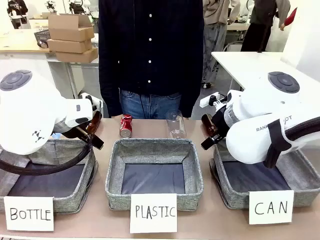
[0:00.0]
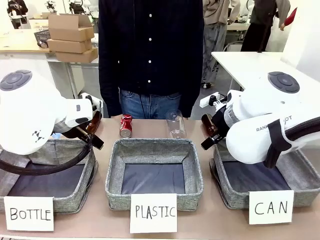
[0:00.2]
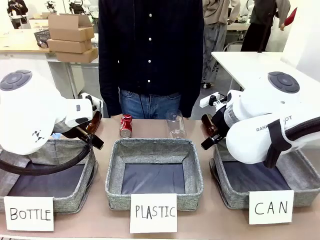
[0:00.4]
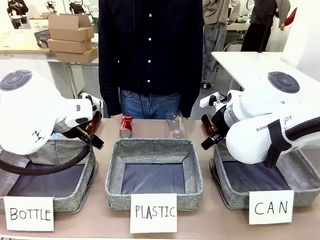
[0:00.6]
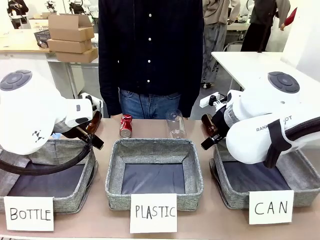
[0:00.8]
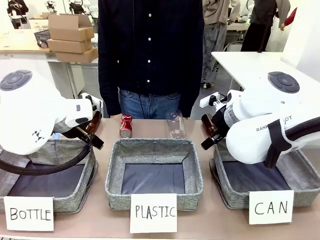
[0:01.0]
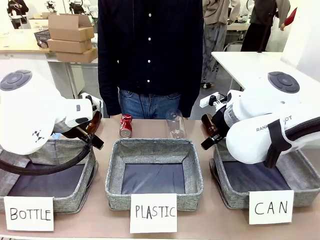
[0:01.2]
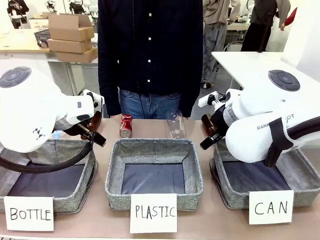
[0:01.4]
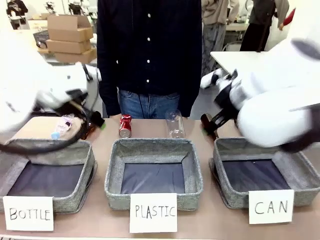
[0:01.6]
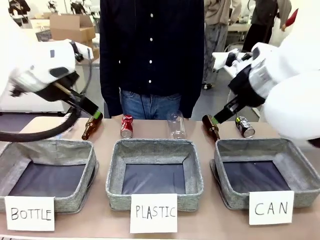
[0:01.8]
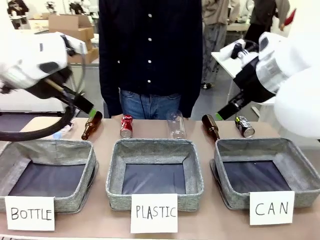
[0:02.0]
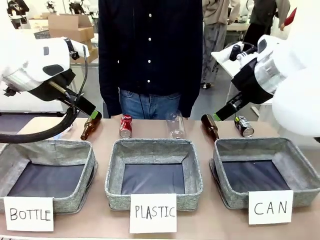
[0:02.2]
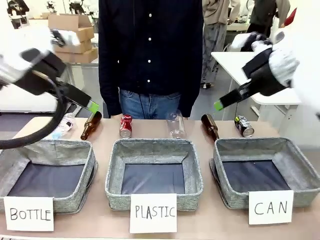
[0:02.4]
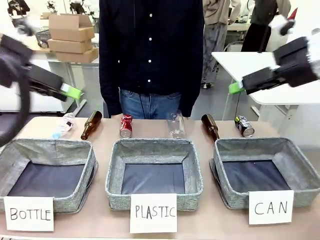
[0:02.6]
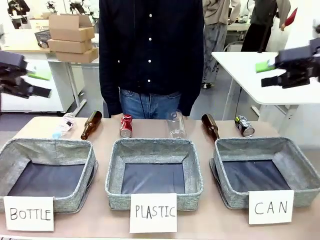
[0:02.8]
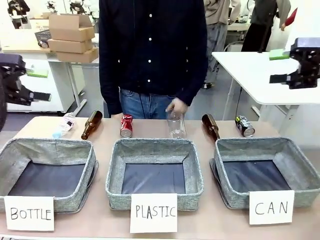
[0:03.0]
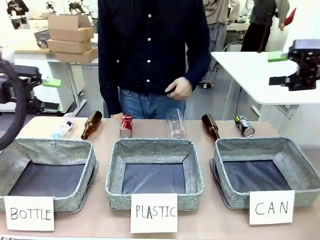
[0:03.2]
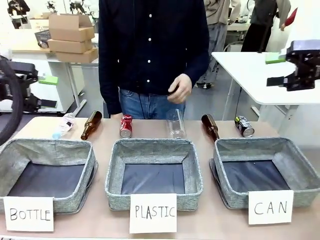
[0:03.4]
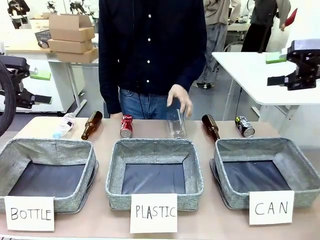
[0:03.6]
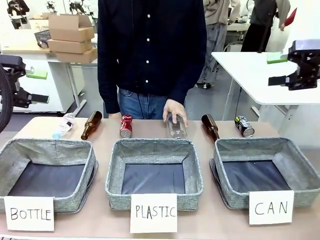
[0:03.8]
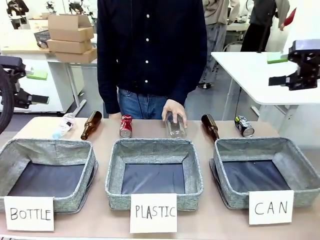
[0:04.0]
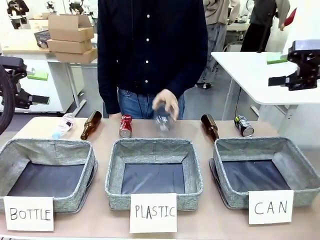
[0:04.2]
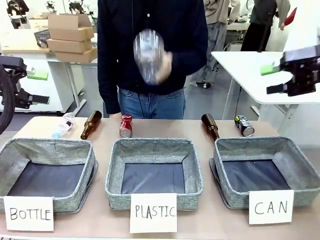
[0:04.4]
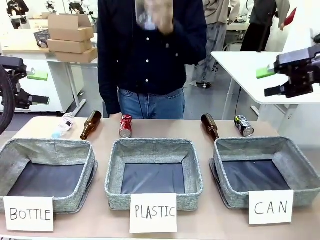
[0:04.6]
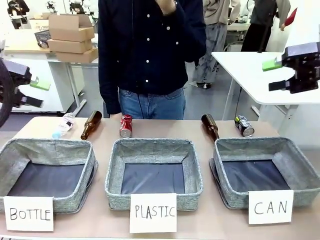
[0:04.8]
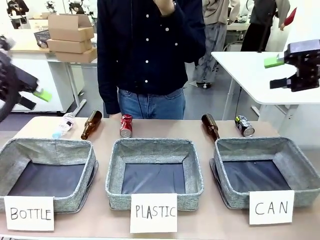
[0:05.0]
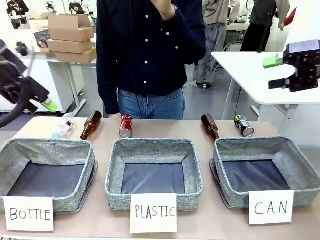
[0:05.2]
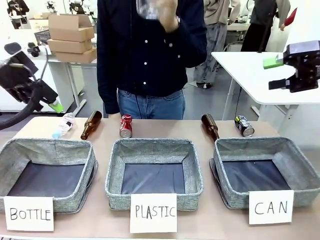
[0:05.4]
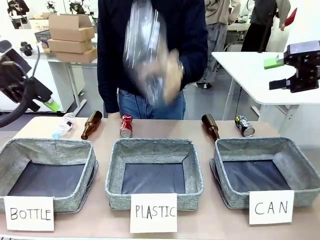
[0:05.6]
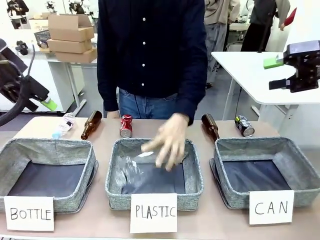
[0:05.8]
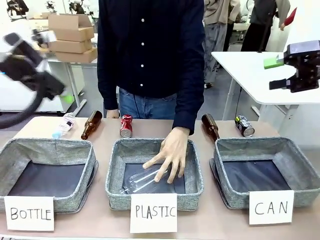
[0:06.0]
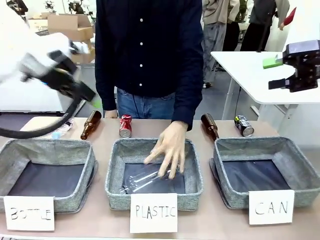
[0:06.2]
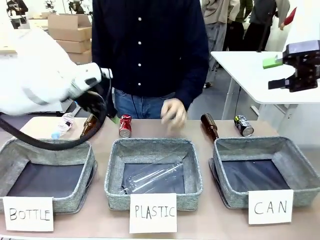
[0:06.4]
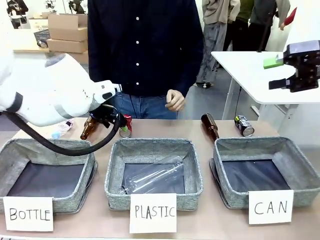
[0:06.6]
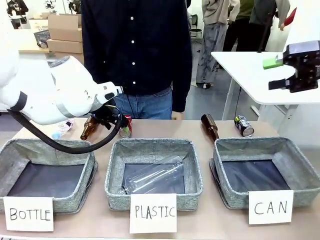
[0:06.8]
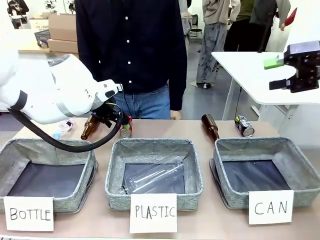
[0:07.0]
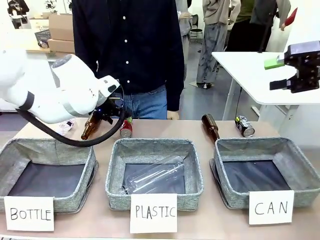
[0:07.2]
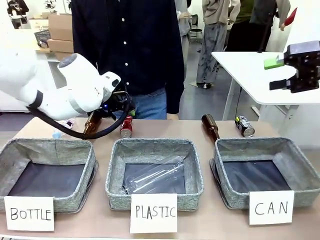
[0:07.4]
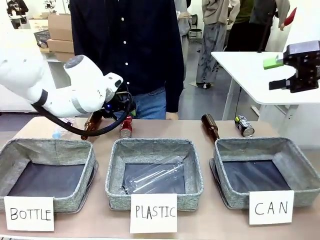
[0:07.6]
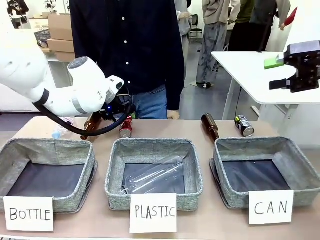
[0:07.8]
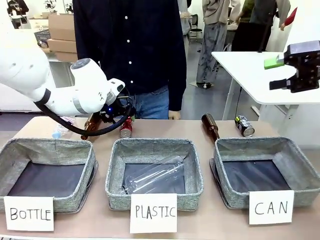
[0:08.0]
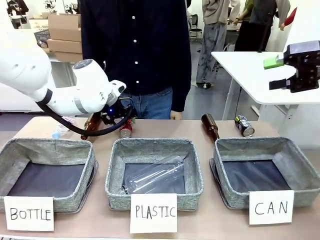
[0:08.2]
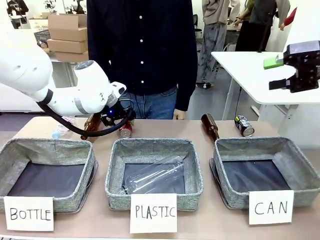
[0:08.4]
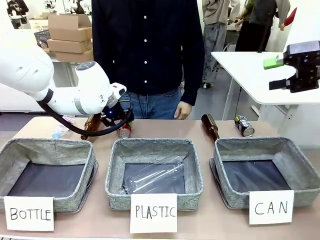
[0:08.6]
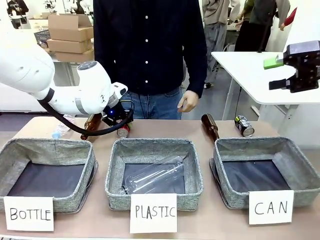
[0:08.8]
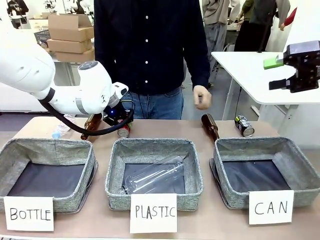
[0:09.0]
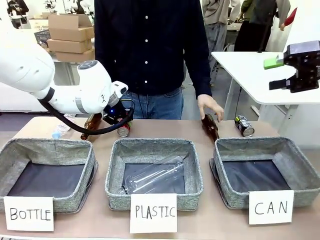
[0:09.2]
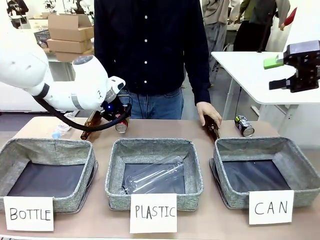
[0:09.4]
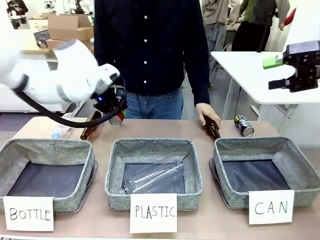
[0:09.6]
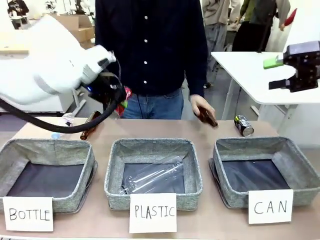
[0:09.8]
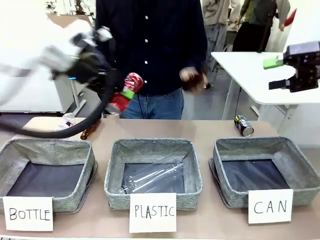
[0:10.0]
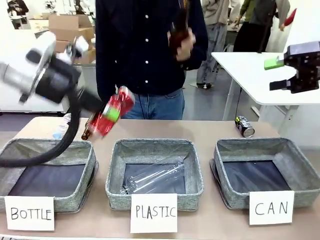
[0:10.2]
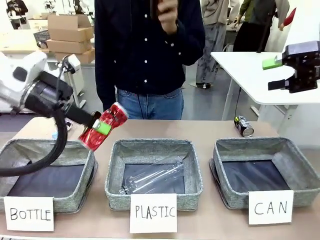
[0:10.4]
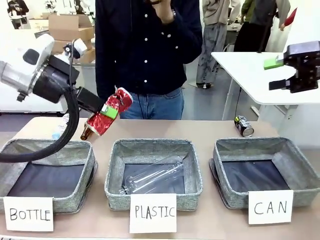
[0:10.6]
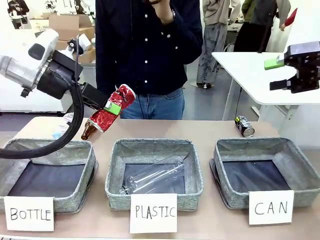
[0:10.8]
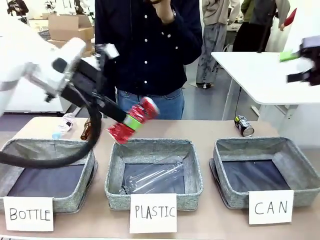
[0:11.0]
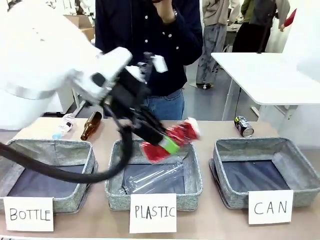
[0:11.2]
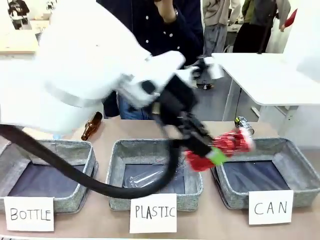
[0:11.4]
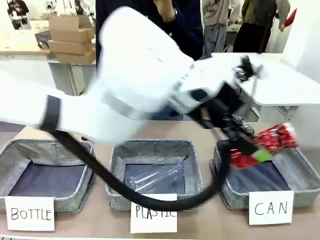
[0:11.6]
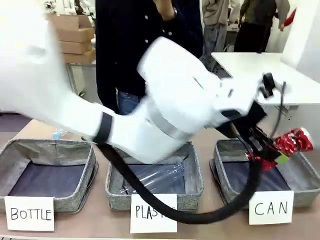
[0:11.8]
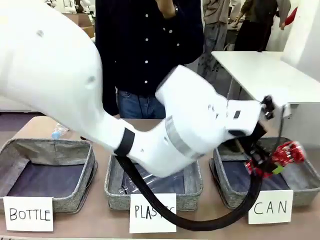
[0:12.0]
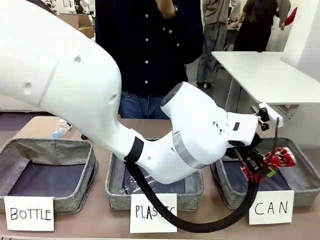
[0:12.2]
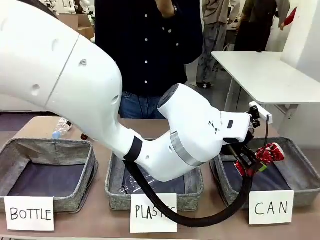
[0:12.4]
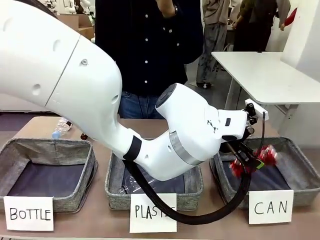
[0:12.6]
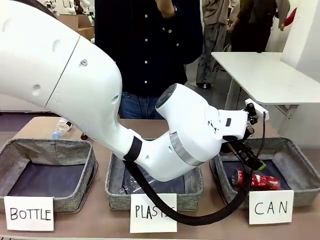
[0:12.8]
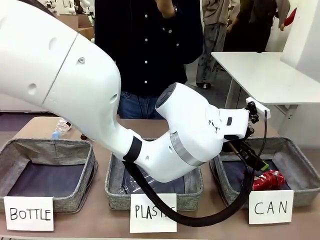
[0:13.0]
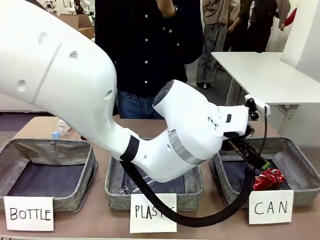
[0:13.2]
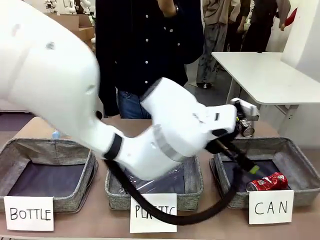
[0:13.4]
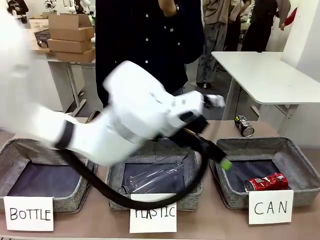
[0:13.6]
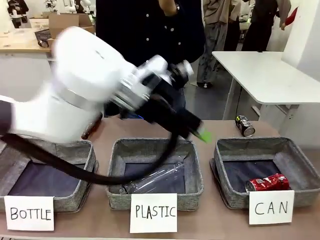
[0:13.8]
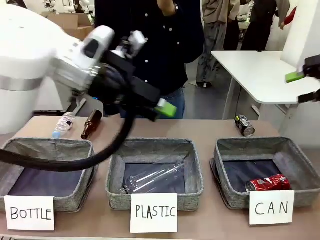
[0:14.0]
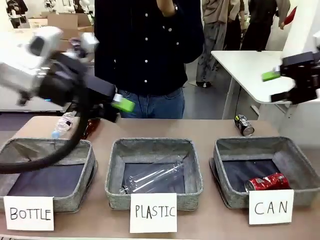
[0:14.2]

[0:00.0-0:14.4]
Task: Sort the can waste into the basket.
Robot: Pick up the can waste from the table and place it in the right Fabric basket.
